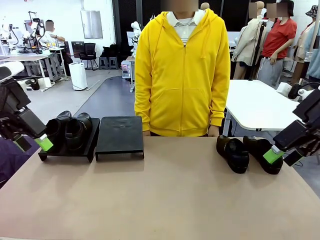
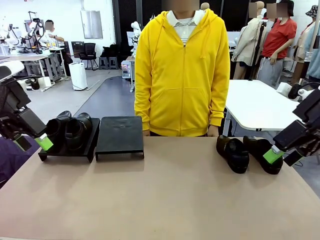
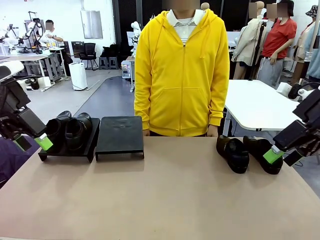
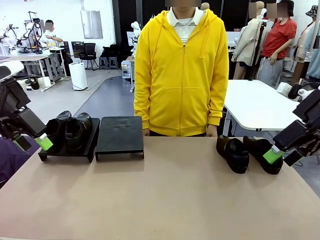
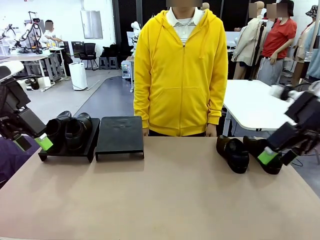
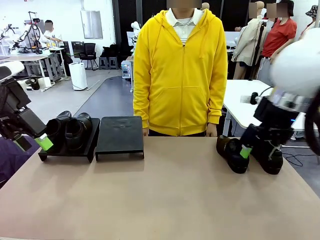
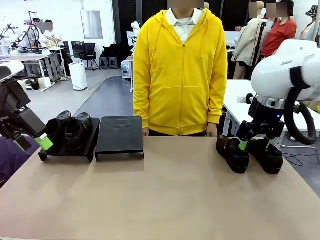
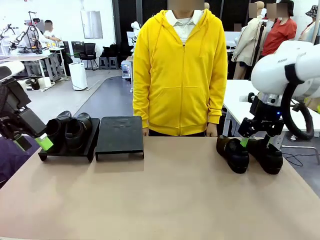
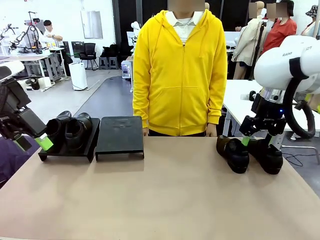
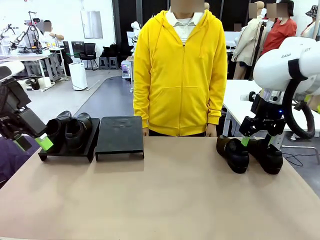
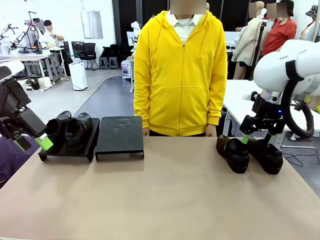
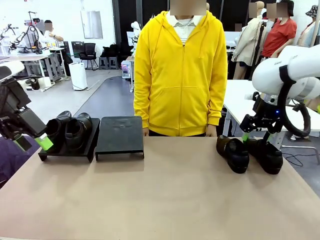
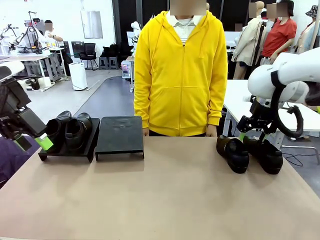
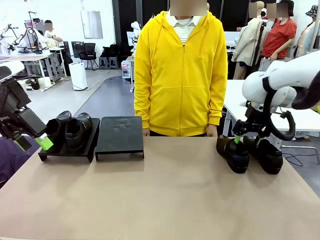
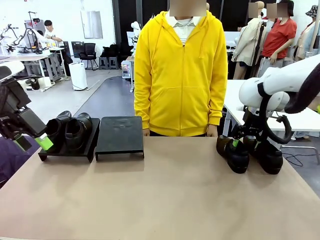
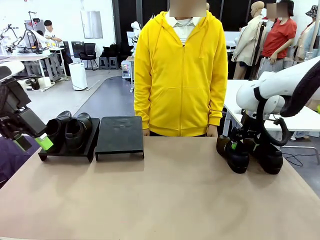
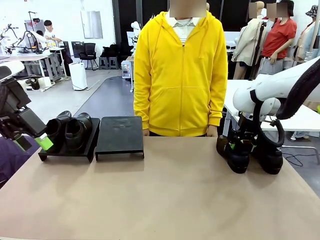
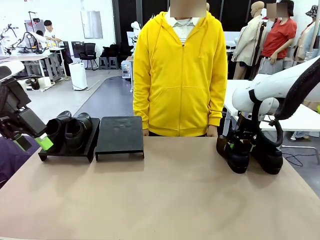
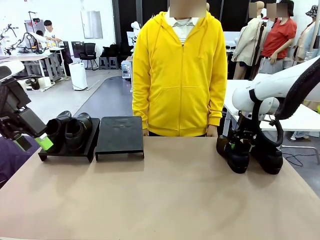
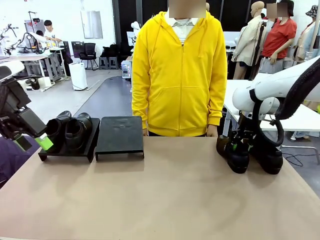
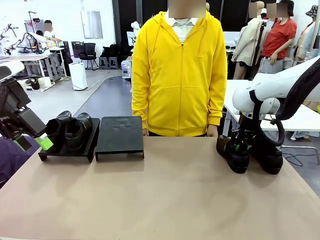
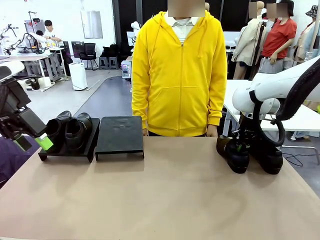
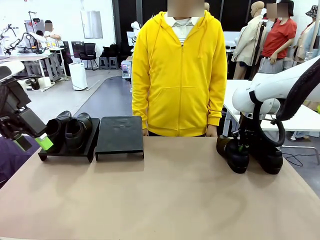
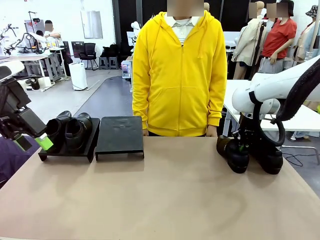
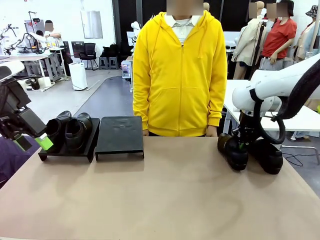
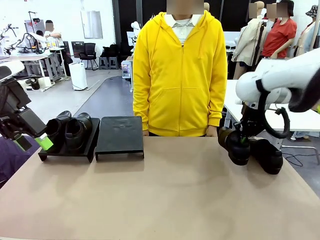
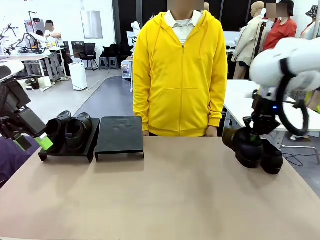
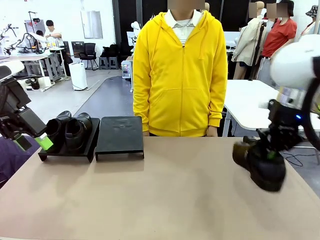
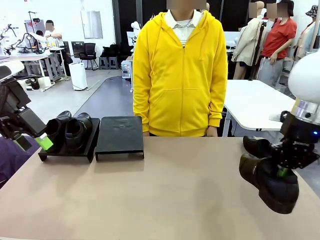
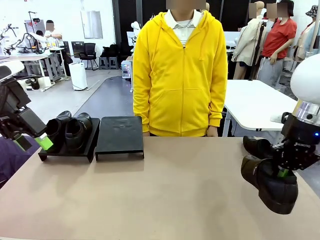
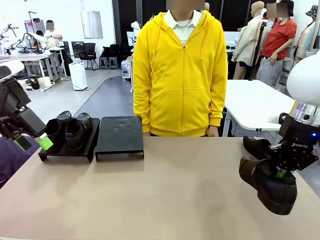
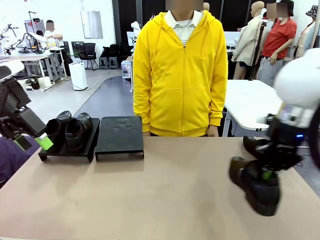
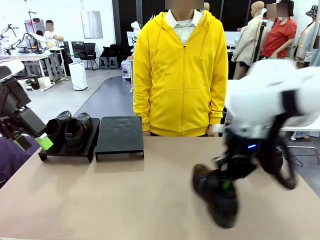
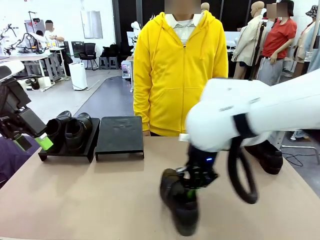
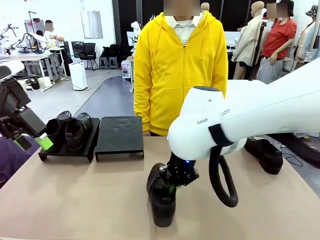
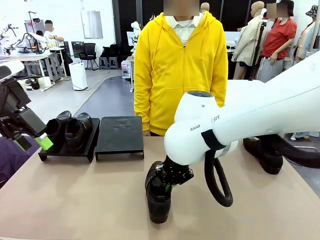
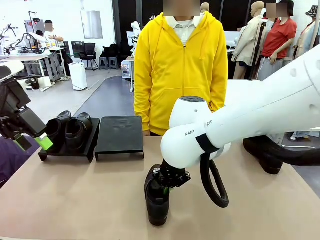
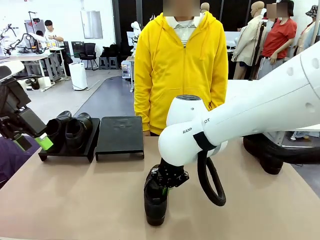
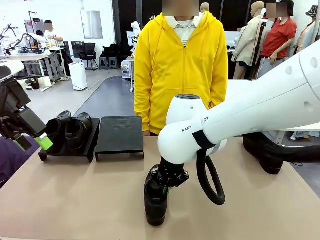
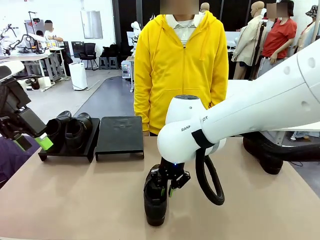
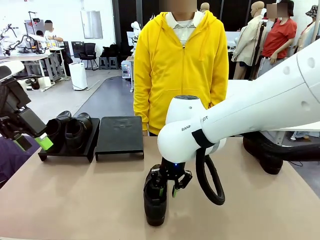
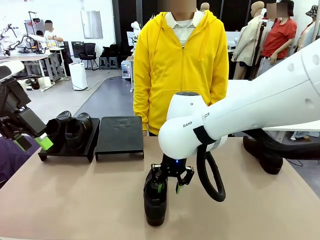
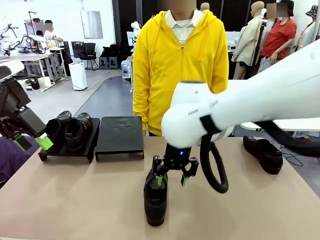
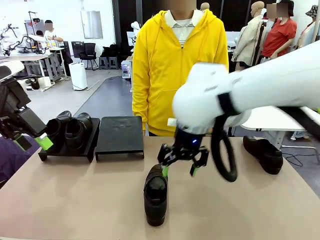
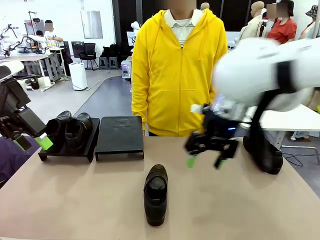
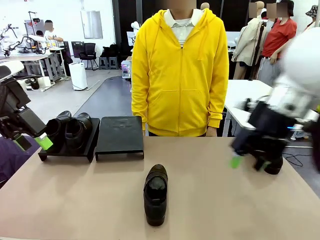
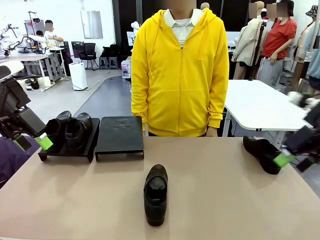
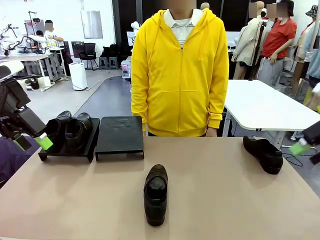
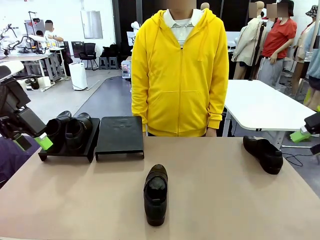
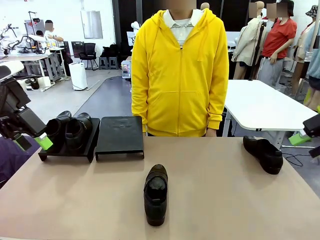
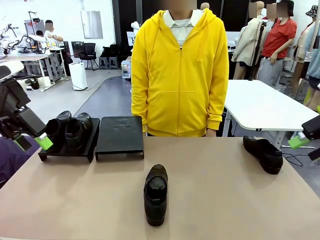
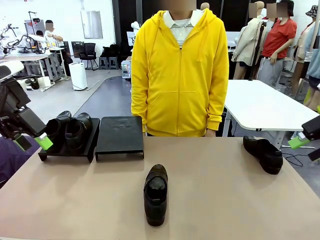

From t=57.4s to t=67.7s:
Task: Organize the shoes by placing them on the stand.
Robot: Pick up one Shoe and place it in the middle of the table.

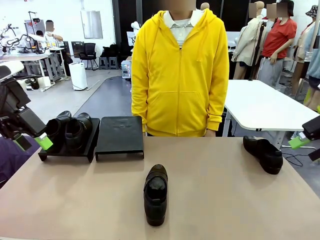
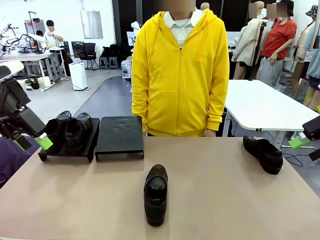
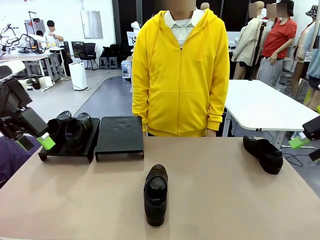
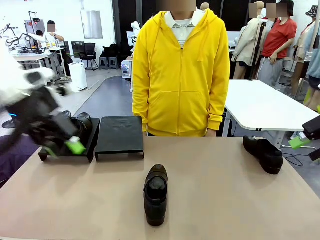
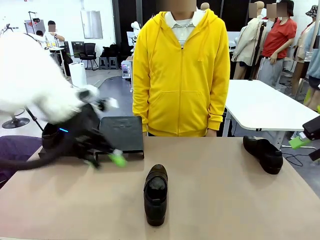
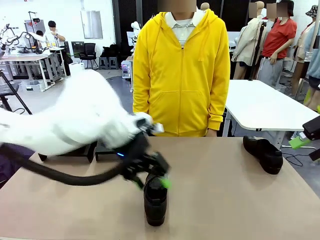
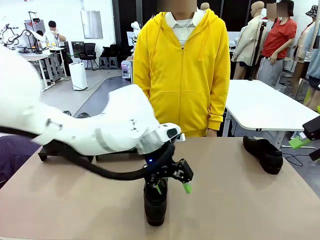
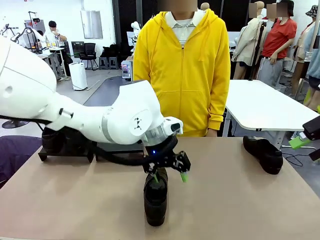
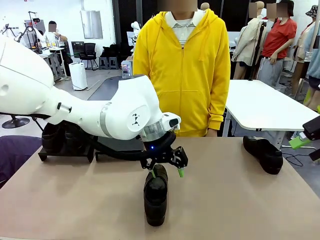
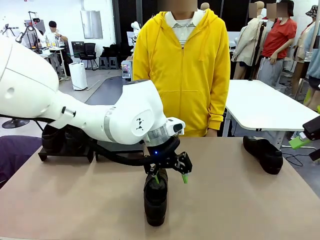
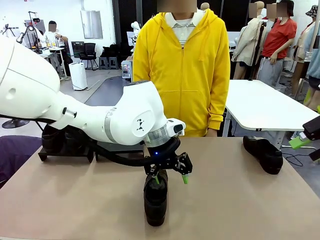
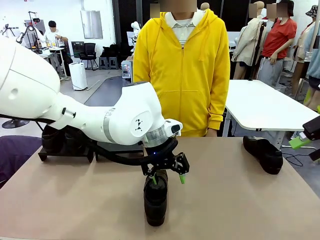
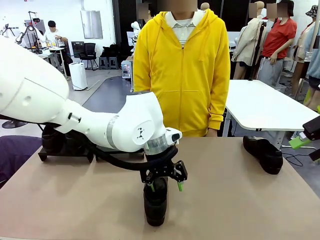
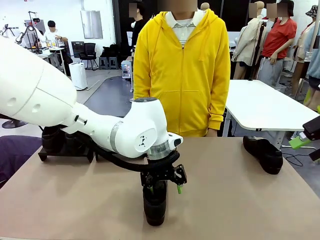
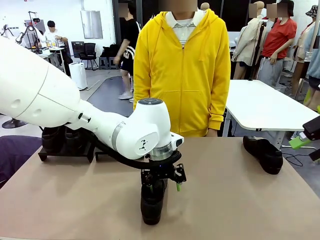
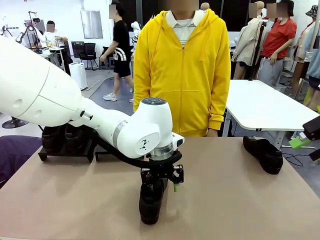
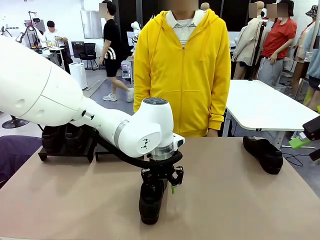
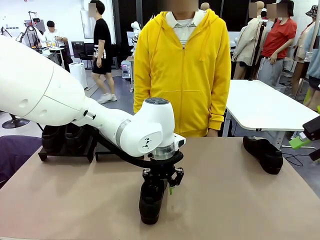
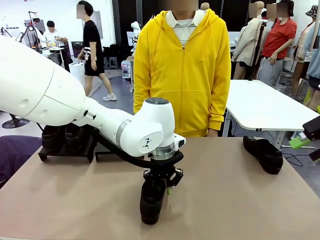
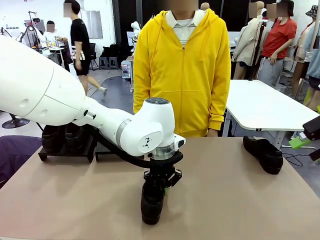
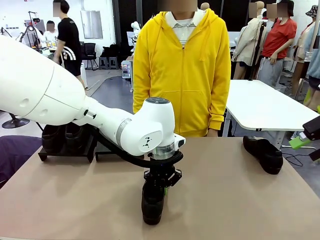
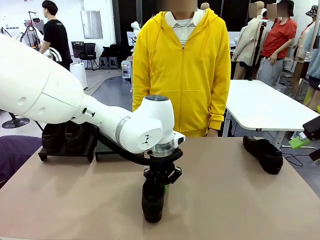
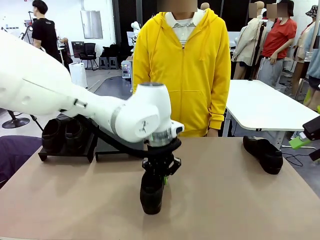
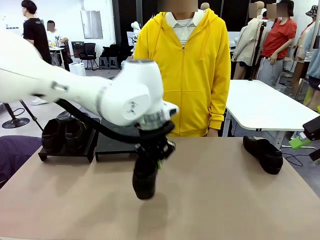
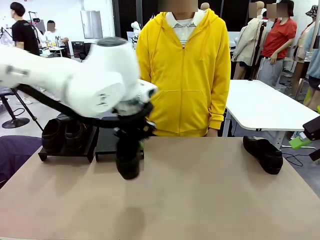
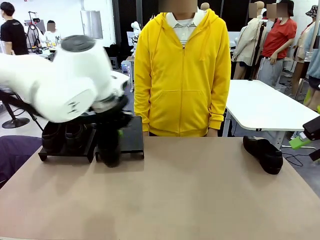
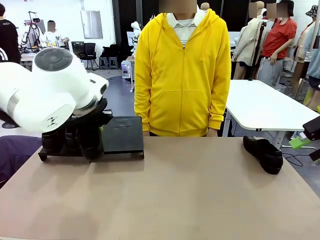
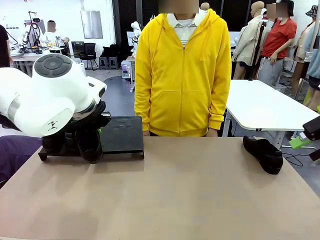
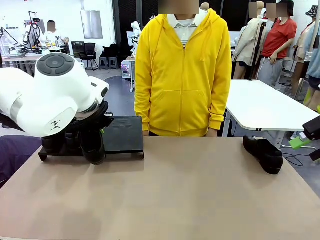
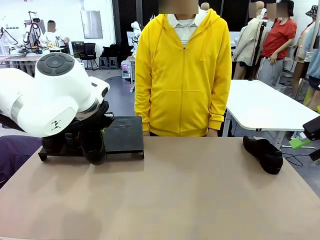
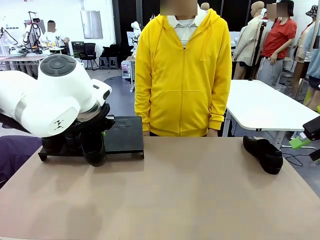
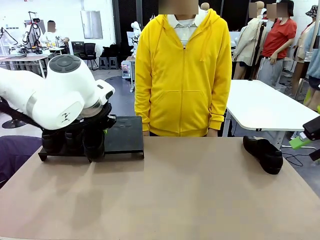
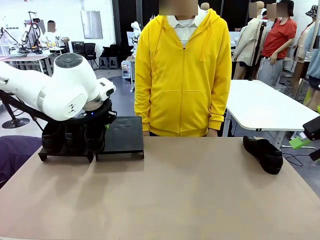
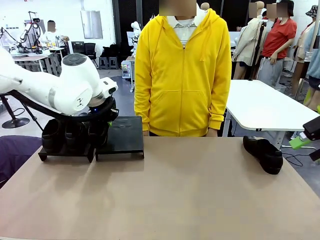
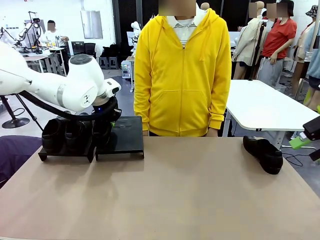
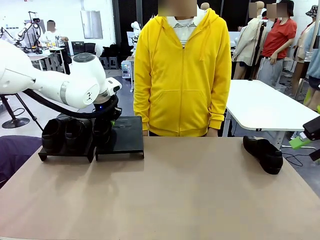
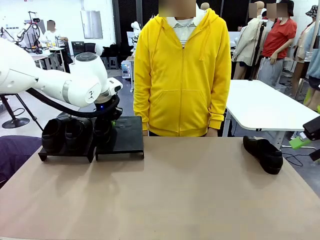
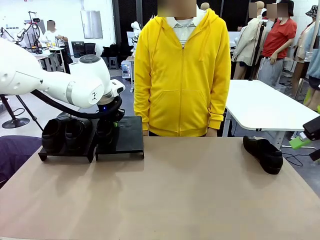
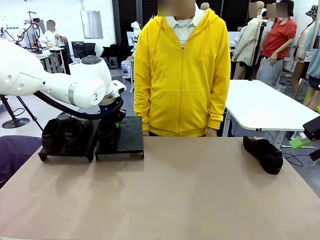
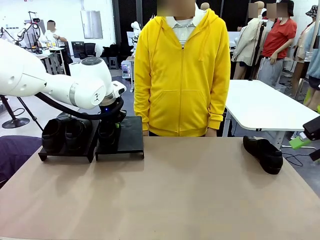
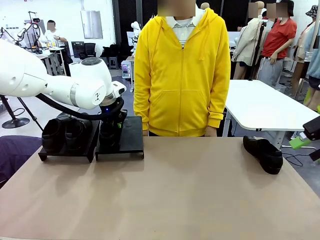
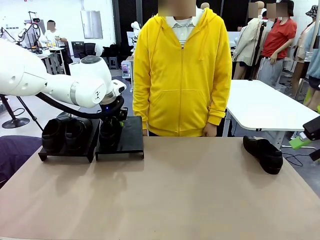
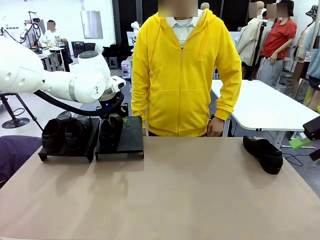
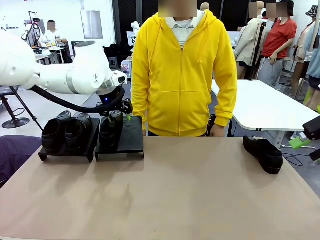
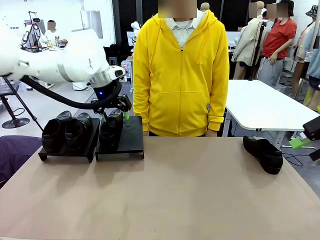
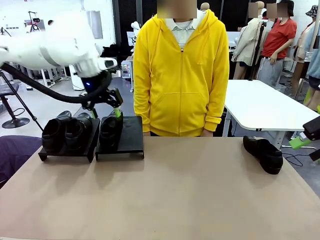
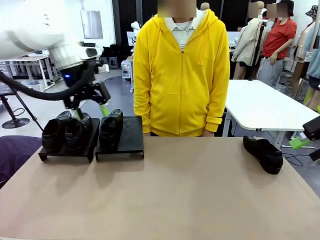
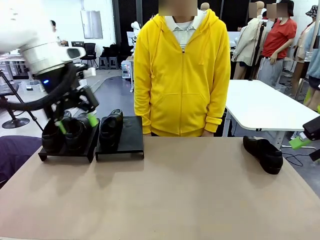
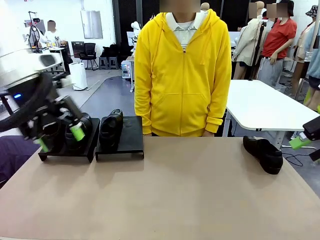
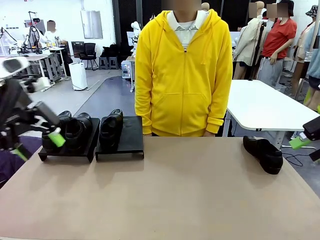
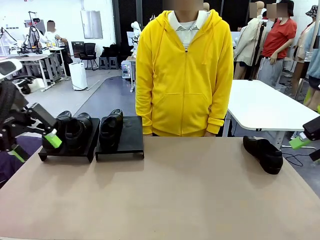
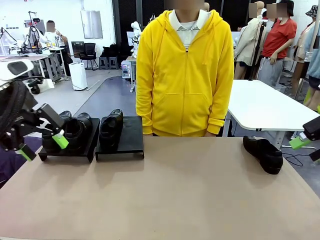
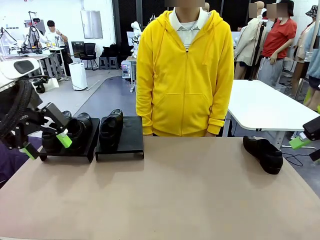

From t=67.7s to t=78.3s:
Robot: Place the Shoe from the middle of the table onto the Shoes Stand.
